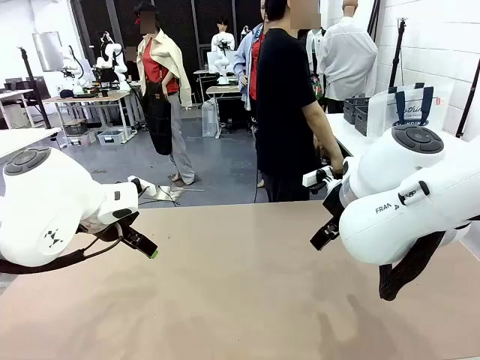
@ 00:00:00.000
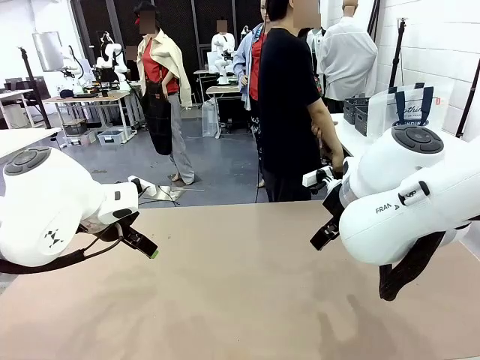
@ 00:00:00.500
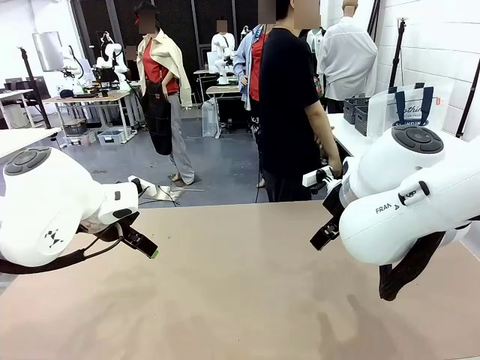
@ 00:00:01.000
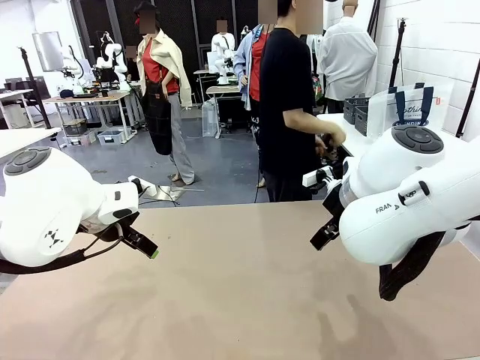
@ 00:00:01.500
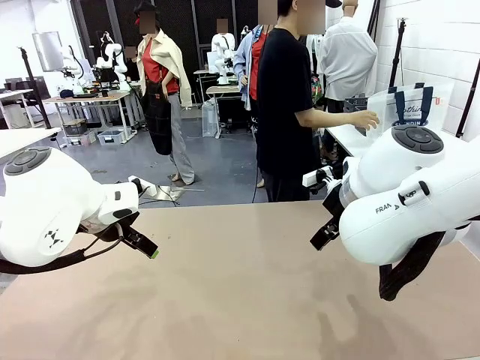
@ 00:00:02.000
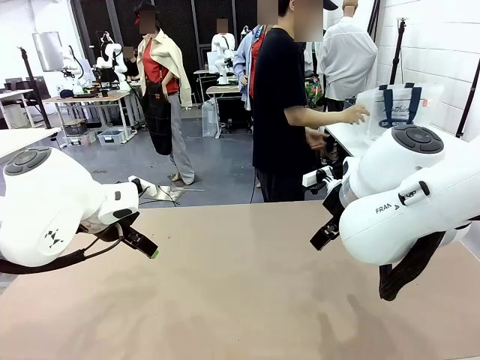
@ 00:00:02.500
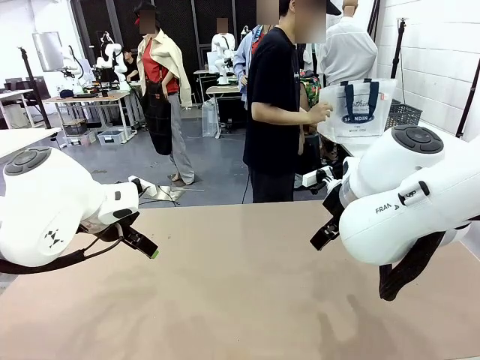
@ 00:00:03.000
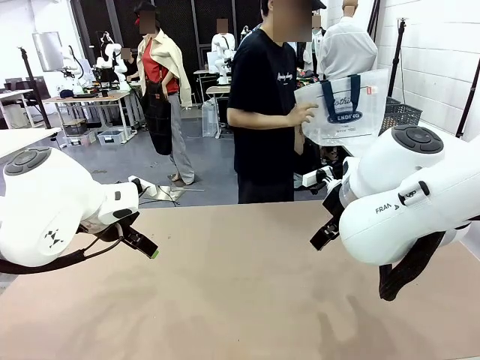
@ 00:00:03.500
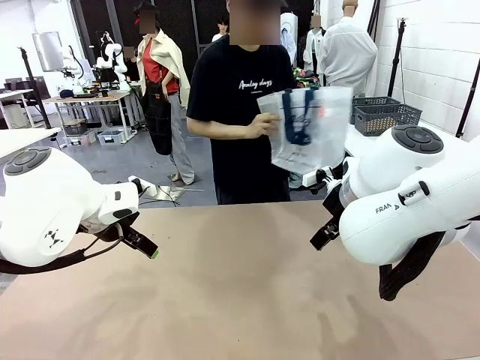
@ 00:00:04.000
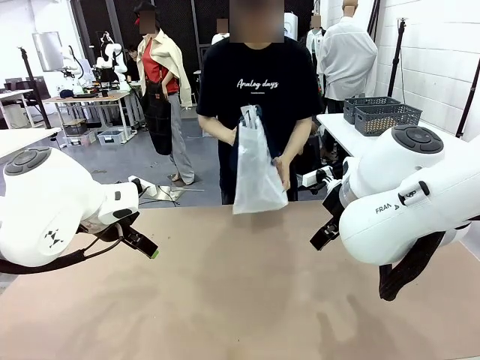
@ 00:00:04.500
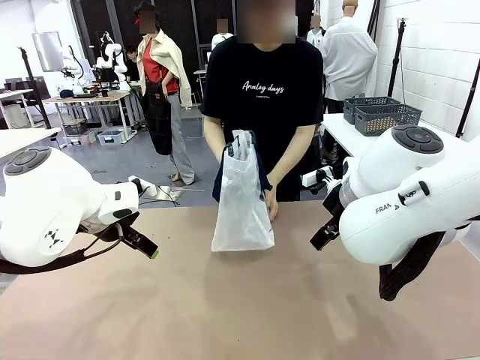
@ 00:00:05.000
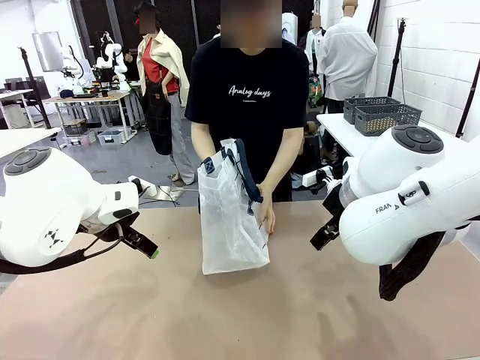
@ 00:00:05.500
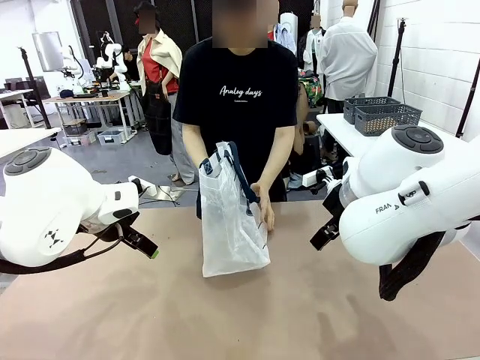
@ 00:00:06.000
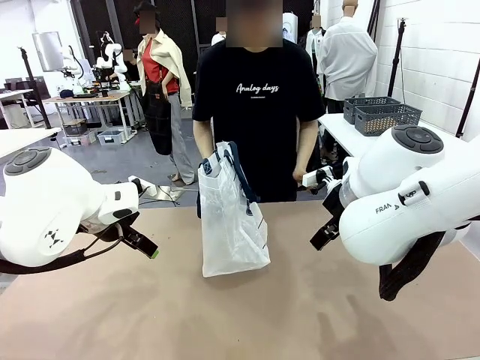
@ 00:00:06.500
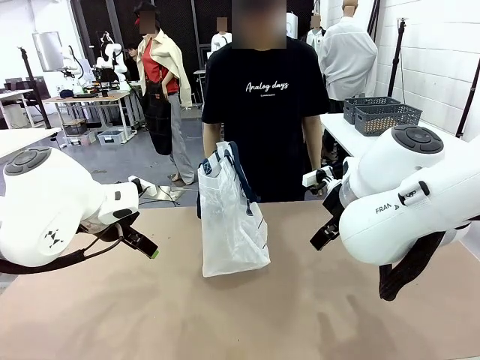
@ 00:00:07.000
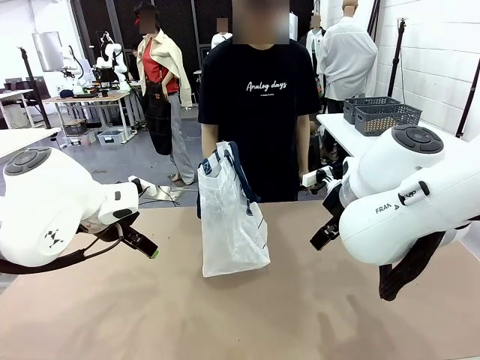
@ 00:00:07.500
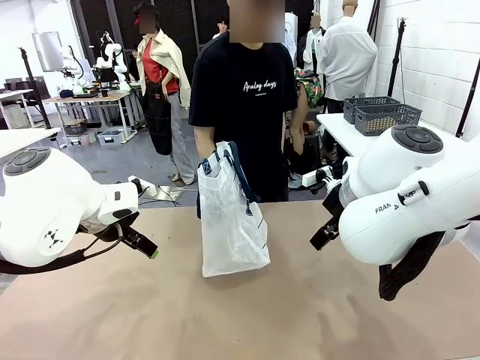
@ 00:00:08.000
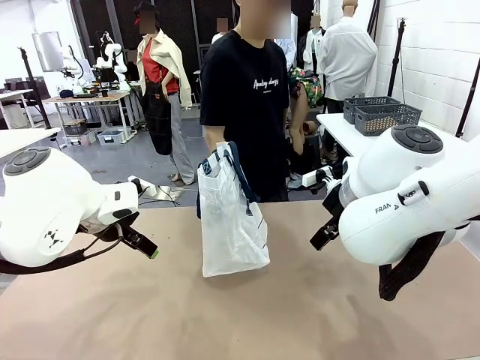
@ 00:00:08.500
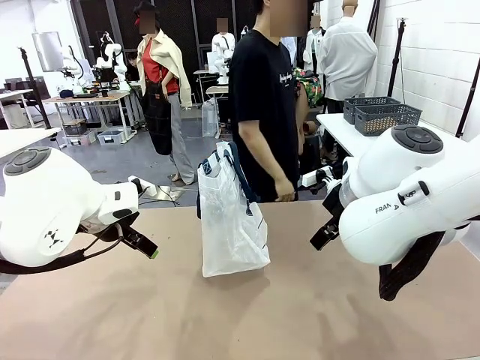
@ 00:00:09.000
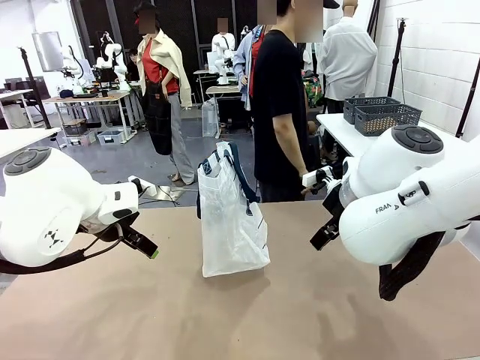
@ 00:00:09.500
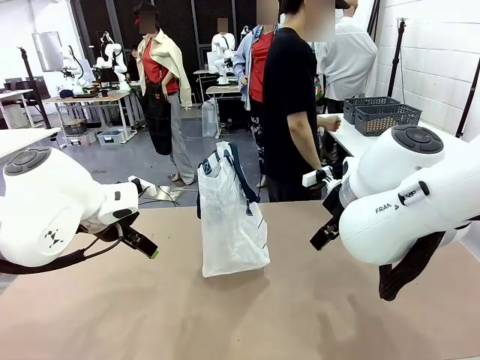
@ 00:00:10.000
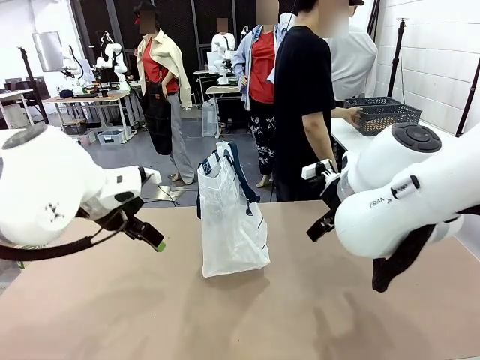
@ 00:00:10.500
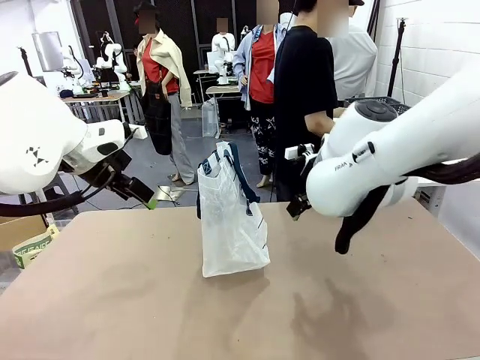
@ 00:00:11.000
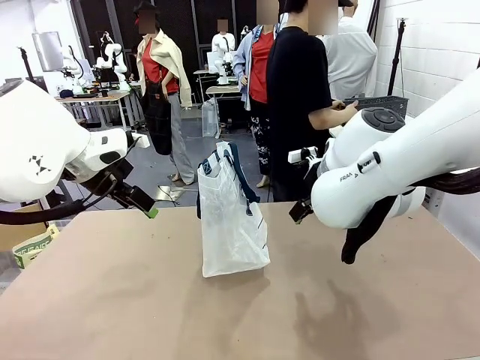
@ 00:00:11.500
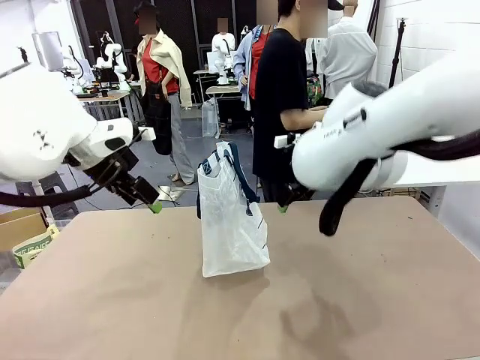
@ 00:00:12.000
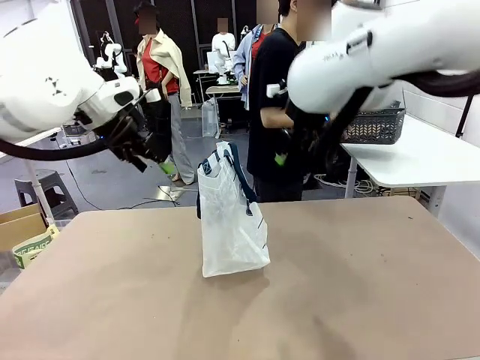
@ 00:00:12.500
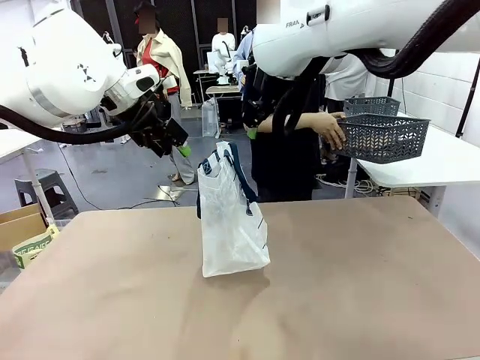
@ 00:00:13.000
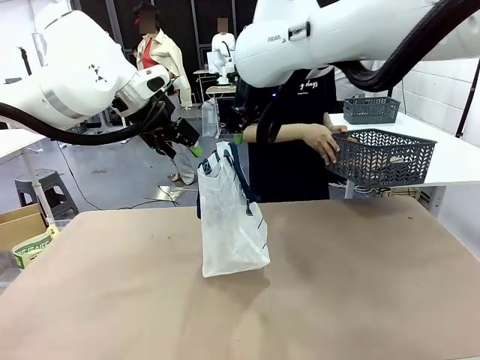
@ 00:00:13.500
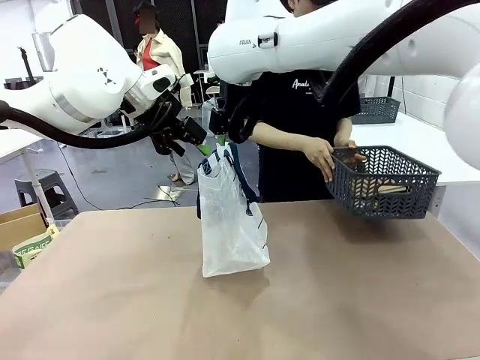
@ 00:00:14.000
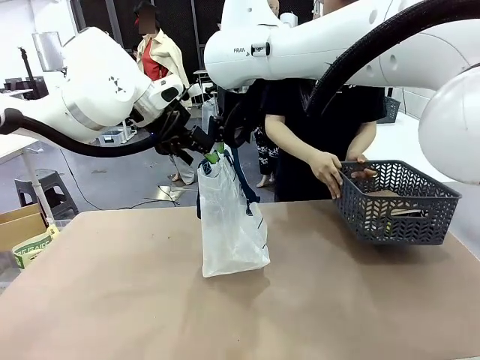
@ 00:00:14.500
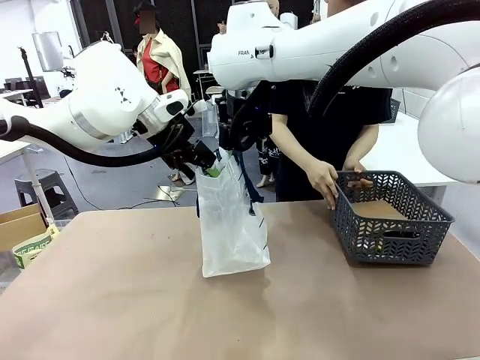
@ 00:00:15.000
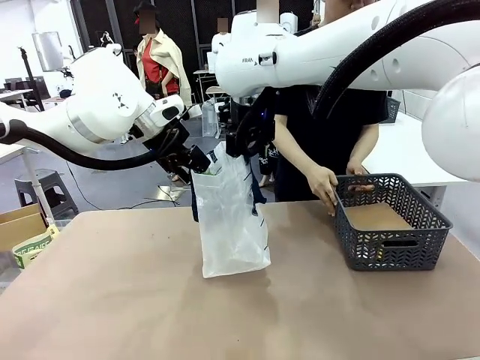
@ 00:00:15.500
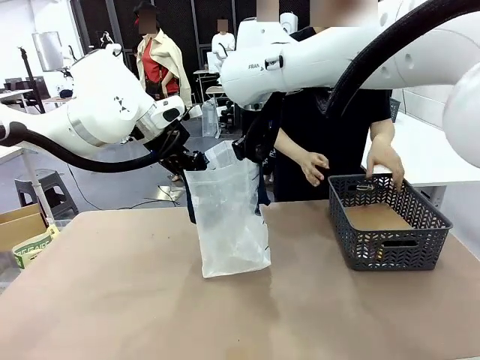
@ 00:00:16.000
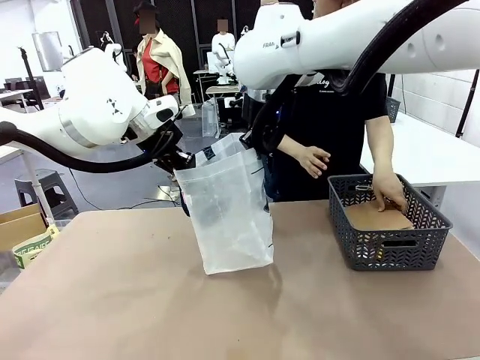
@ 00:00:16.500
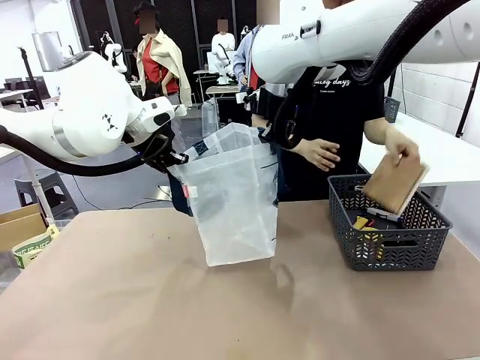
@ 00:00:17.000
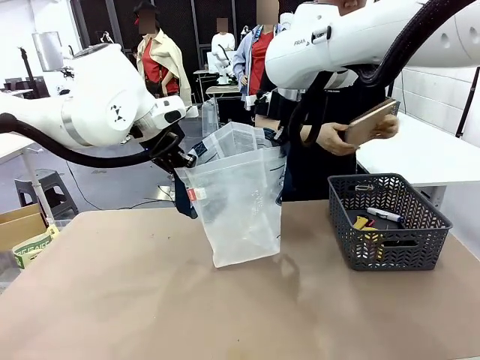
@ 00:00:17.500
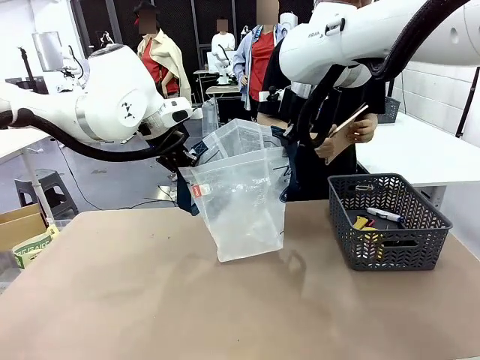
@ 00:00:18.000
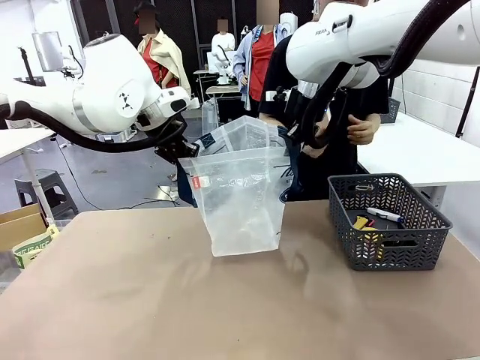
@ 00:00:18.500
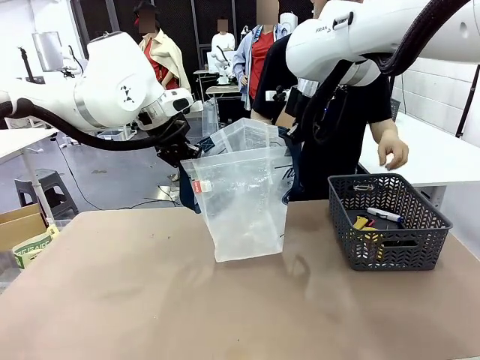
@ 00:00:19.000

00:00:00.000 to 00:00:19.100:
Task: Transfer purchased items from the store into the shopping bag.
Robot: Open the Reusable shopping bag in the center of the table.
Person: Pick up the shopping bag and place it in the middle of the robot table.
